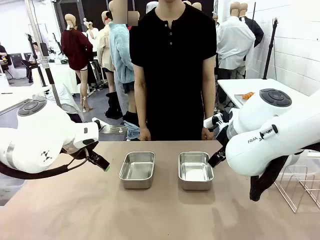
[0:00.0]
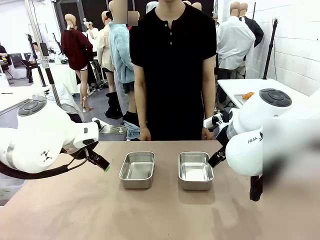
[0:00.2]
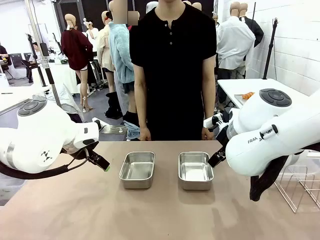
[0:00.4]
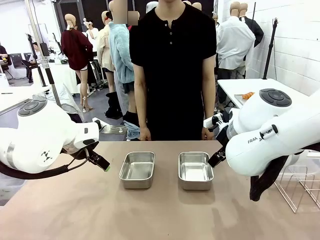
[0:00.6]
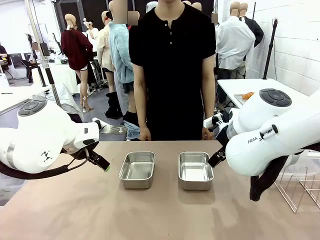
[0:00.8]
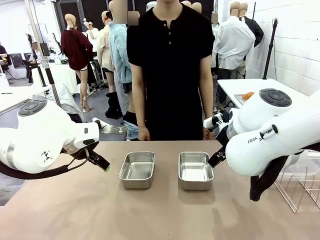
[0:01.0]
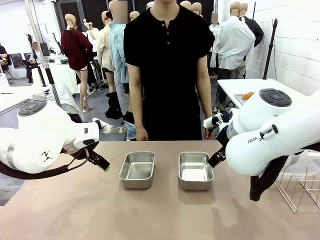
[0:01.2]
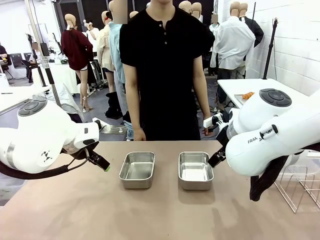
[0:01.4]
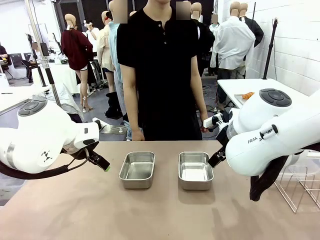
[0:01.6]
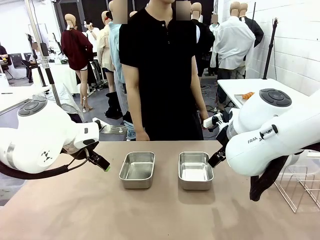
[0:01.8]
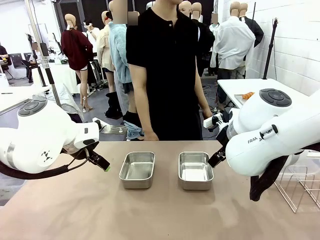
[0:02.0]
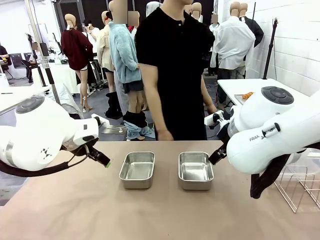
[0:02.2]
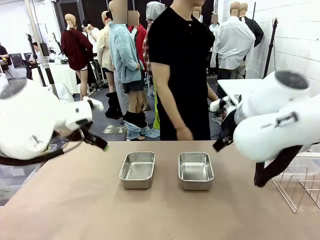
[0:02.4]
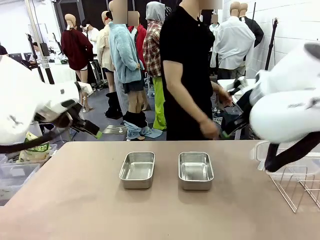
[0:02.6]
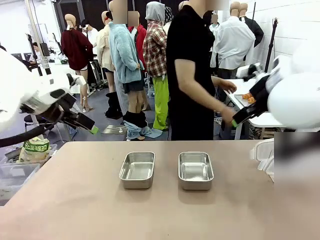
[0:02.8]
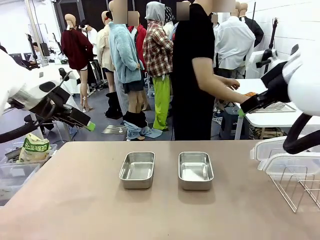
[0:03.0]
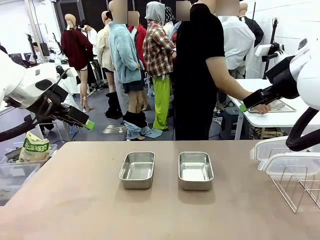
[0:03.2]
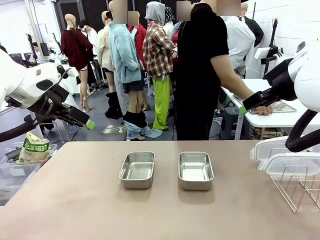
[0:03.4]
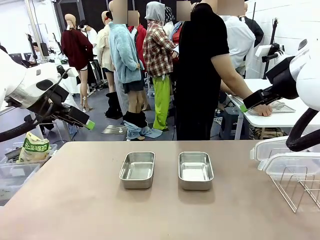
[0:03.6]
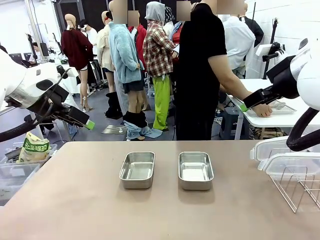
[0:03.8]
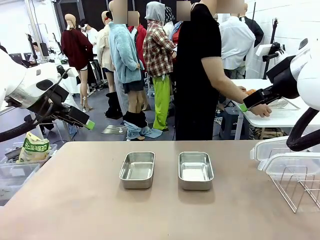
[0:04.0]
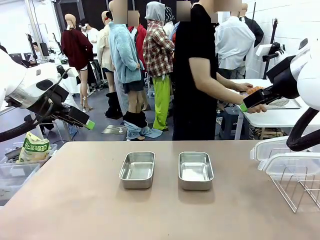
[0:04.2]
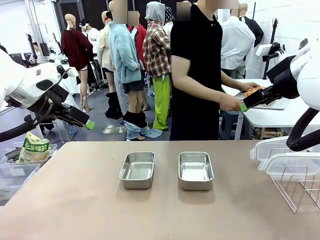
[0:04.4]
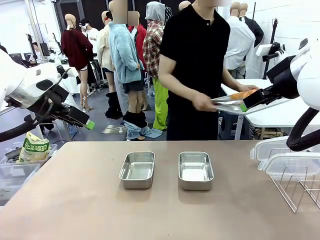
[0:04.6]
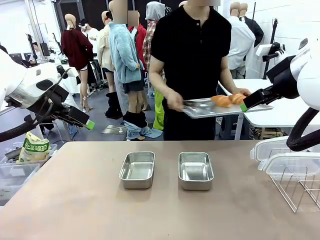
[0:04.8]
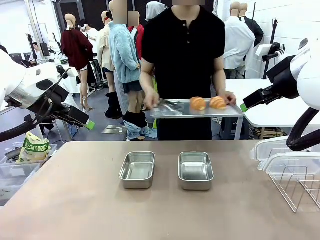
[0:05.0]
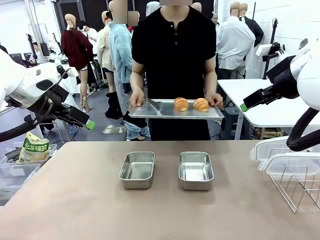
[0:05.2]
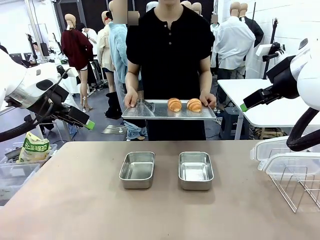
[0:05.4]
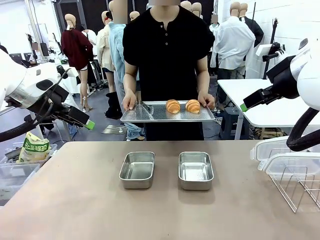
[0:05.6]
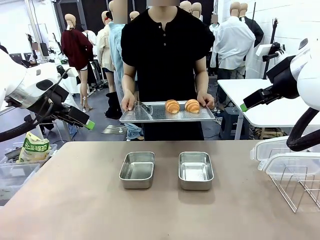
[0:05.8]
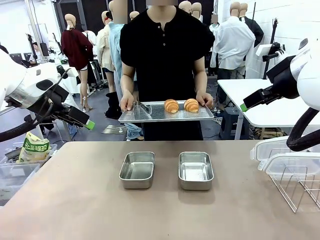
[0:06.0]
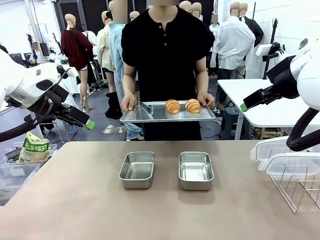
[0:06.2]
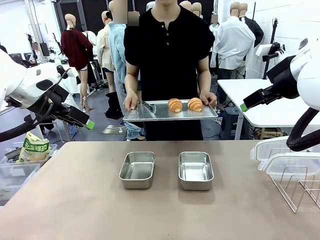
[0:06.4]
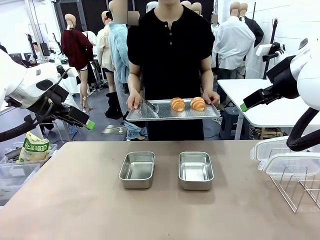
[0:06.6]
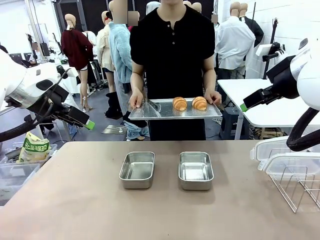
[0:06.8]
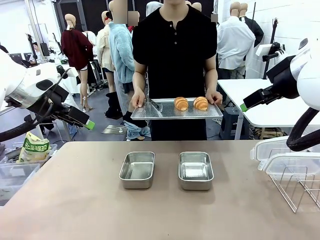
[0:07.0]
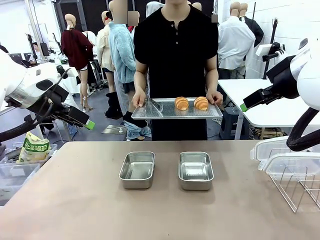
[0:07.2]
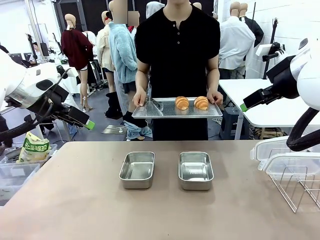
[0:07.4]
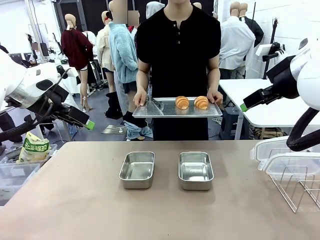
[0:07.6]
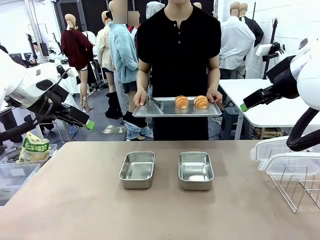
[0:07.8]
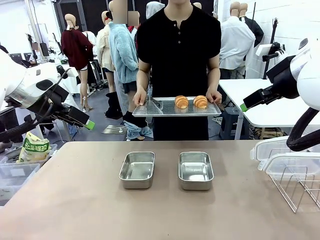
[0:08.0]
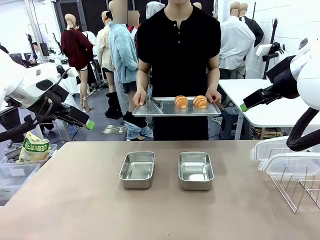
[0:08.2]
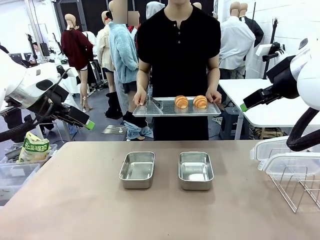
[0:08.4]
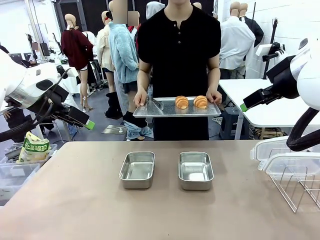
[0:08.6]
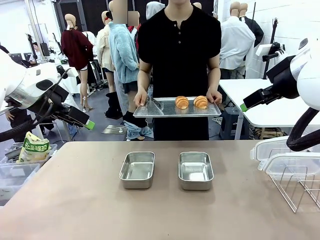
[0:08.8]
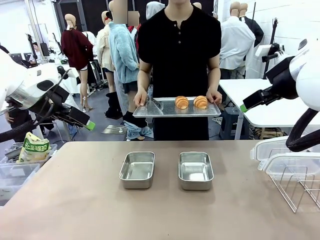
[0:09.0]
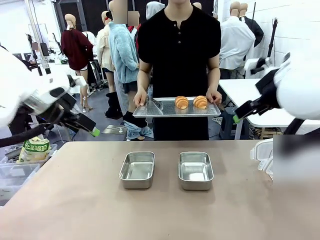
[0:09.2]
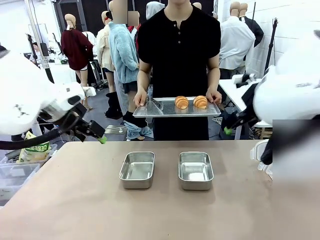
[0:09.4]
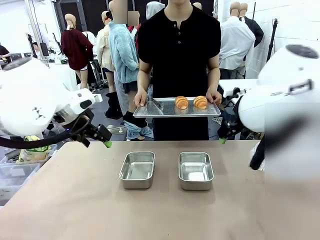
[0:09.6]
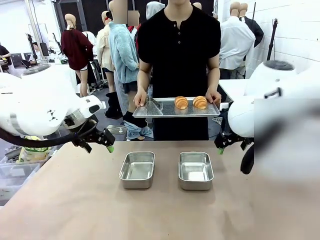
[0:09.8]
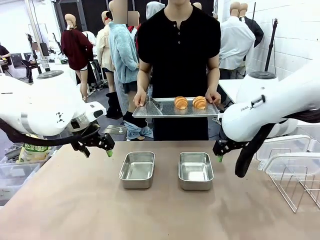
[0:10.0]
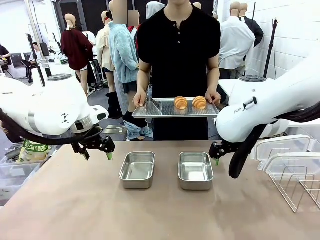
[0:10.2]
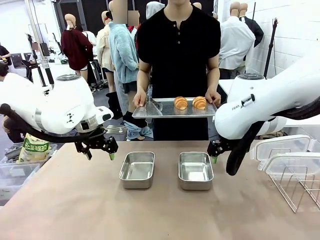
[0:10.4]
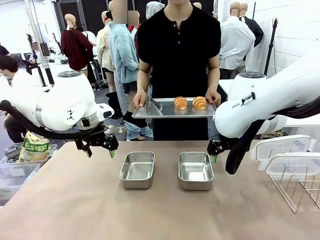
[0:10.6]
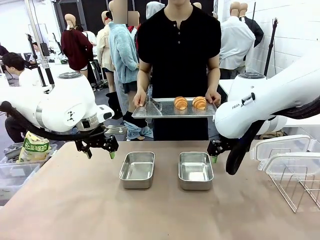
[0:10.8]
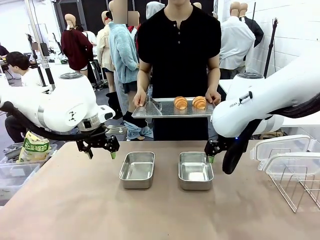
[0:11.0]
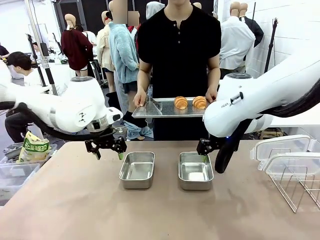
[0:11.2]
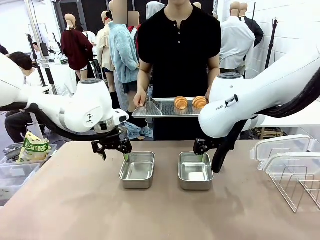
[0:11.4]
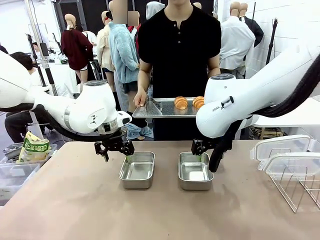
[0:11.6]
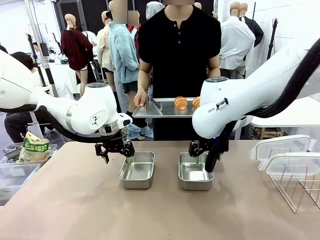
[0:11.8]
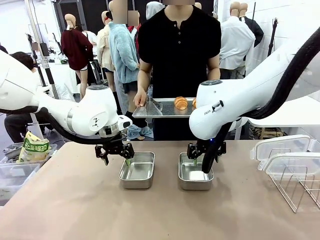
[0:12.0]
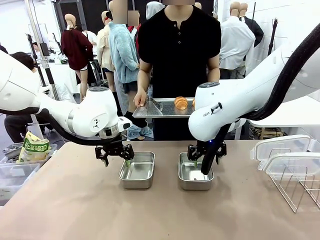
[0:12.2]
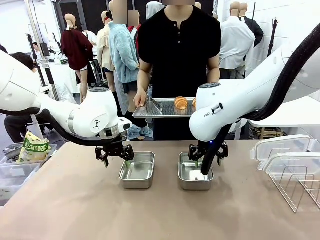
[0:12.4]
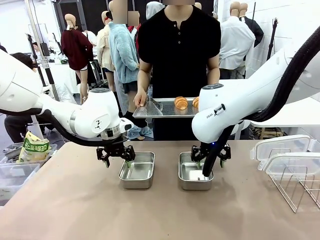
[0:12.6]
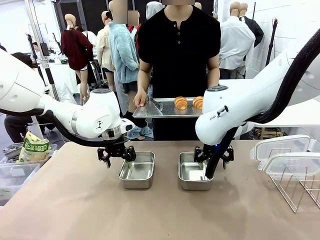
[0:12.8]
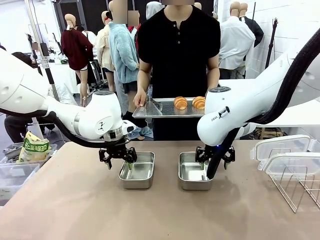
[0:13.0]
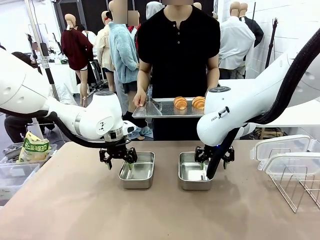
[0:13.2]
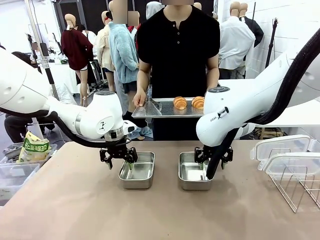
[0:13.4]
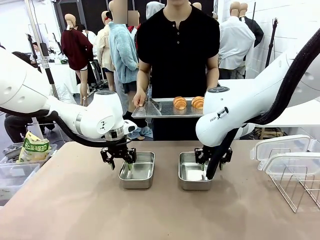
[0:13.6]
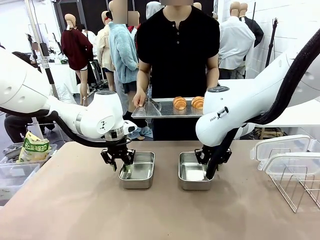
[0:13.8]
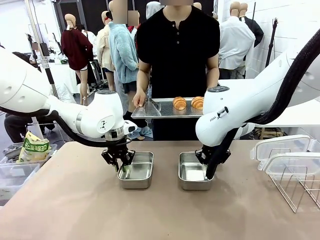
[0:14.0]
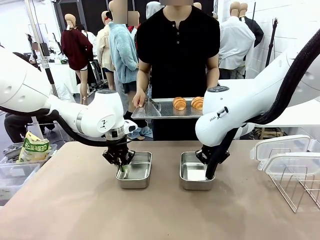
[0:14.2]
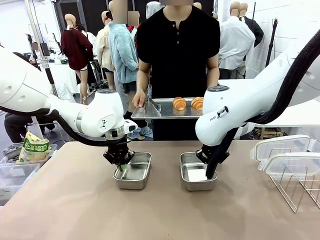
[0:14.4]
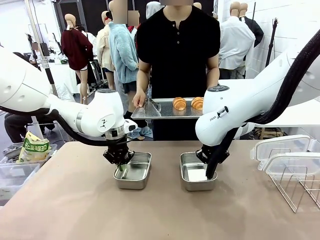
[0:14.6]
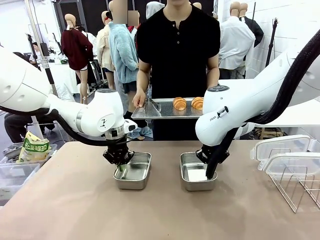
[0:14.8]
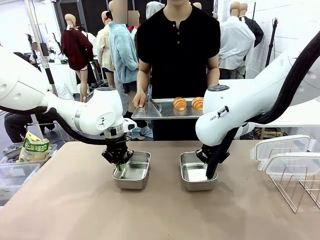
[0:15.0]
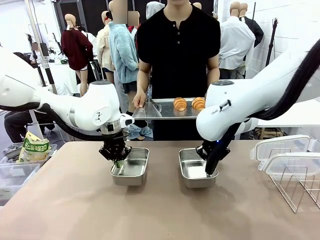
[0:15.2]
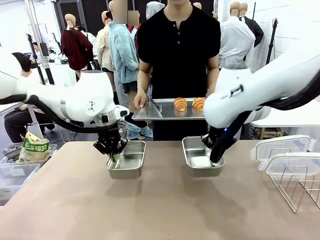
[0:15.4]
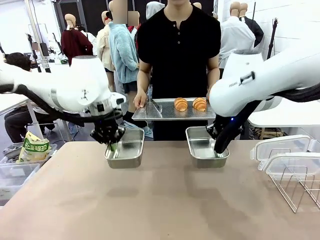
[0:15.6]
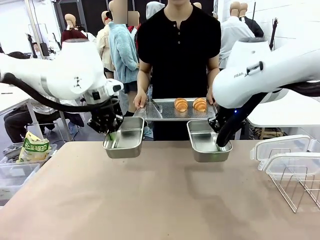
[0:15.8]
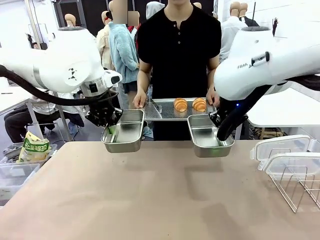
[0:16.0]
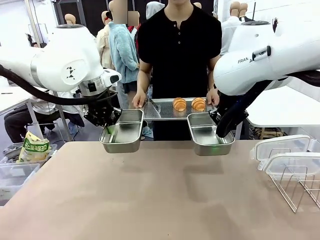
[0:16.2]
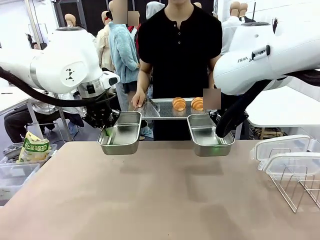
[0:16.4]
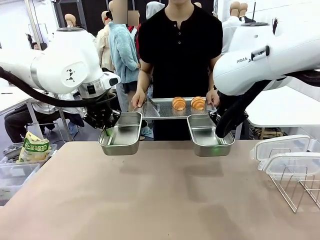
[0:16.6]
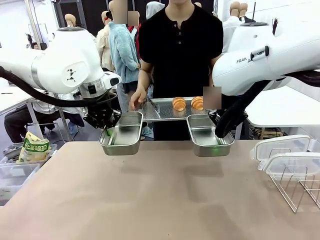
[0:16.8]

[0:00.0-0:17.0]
Task: Place the bread in airtight containers.
Robot: Lift both Airtight Container.
Person: Bring the Baking Sheet in front of Robot's Table.
